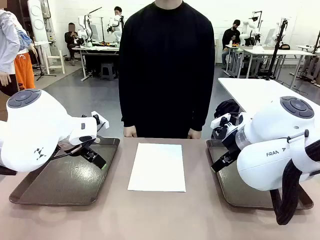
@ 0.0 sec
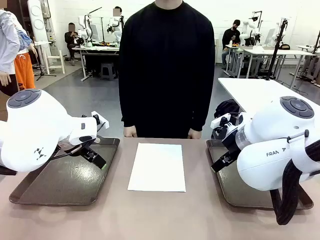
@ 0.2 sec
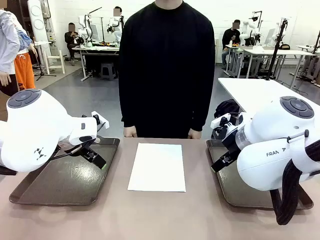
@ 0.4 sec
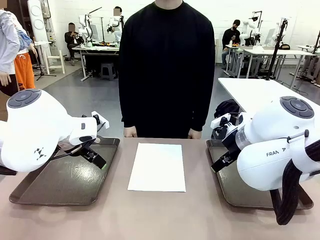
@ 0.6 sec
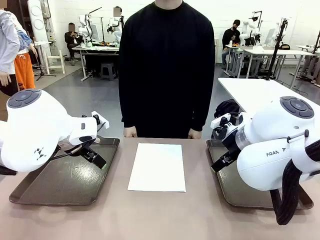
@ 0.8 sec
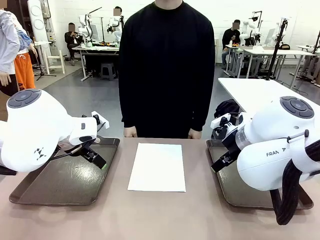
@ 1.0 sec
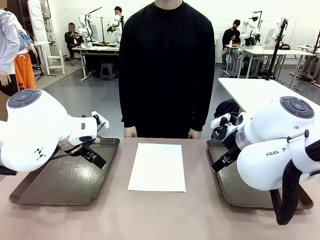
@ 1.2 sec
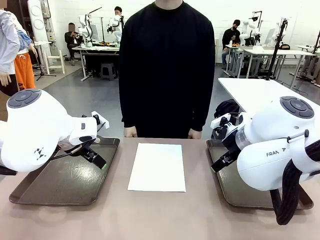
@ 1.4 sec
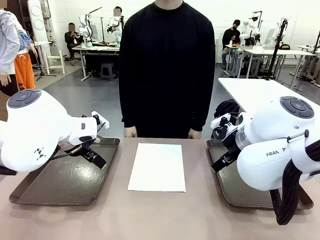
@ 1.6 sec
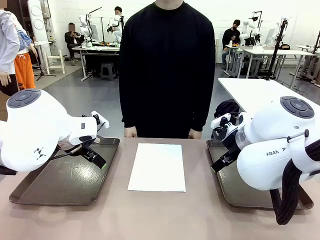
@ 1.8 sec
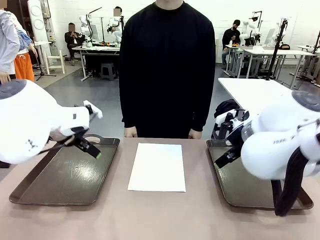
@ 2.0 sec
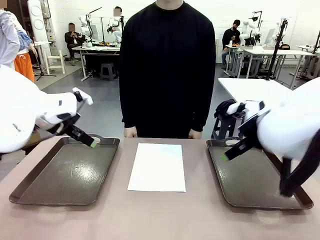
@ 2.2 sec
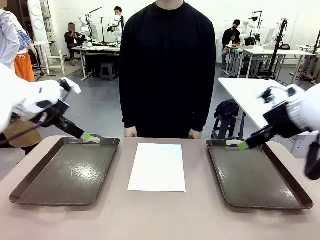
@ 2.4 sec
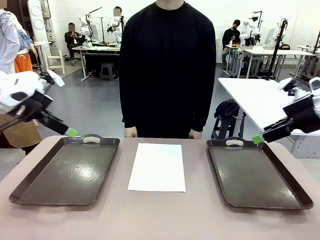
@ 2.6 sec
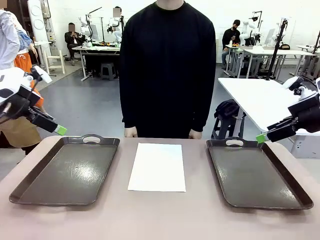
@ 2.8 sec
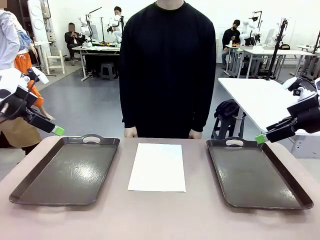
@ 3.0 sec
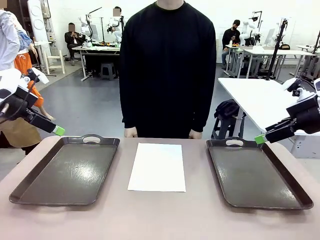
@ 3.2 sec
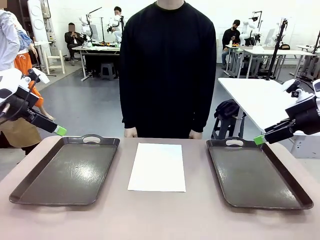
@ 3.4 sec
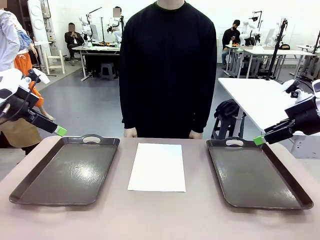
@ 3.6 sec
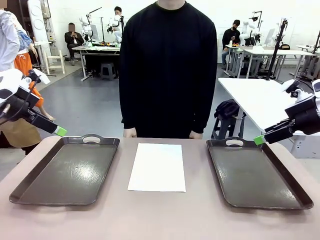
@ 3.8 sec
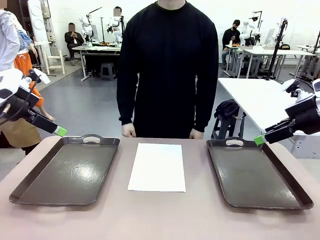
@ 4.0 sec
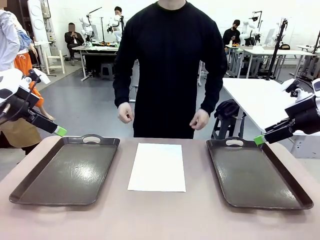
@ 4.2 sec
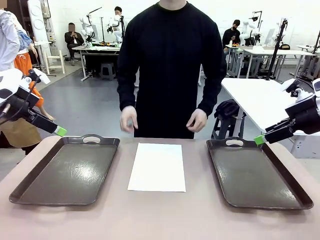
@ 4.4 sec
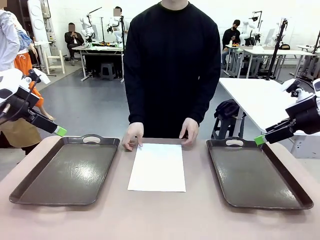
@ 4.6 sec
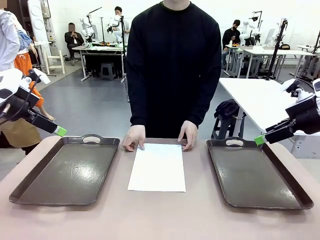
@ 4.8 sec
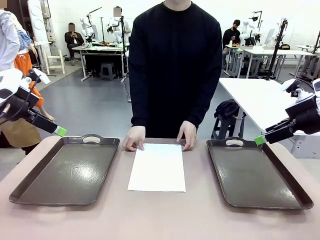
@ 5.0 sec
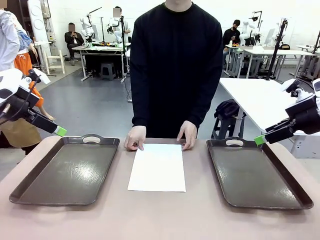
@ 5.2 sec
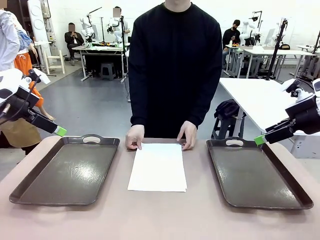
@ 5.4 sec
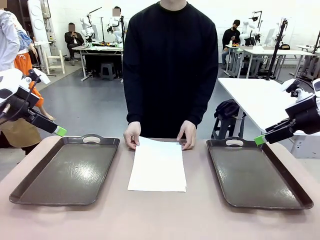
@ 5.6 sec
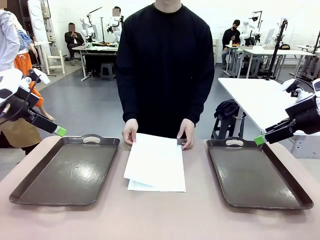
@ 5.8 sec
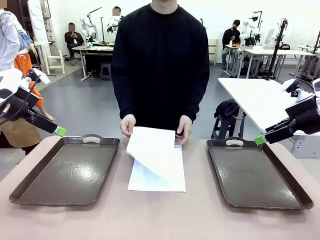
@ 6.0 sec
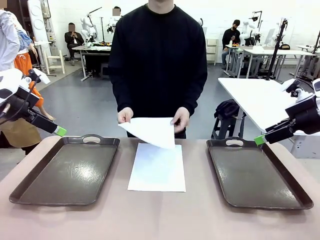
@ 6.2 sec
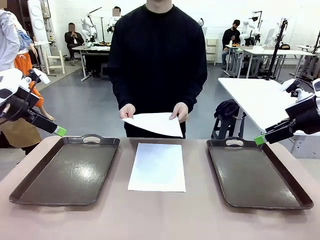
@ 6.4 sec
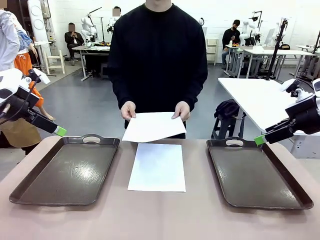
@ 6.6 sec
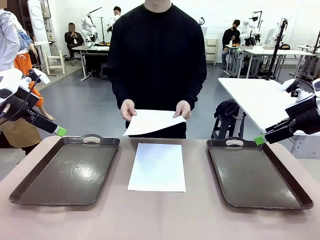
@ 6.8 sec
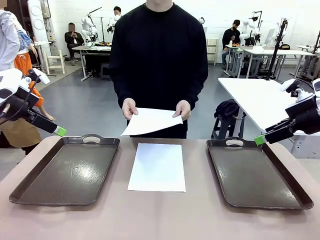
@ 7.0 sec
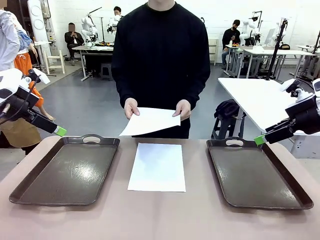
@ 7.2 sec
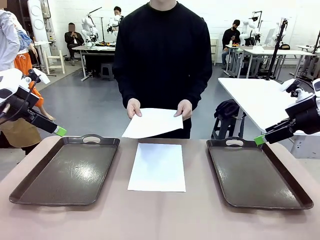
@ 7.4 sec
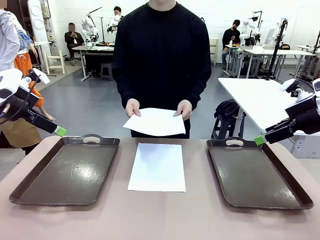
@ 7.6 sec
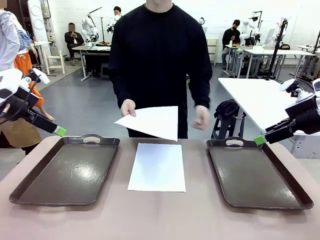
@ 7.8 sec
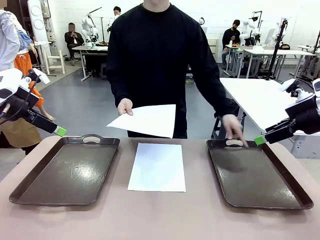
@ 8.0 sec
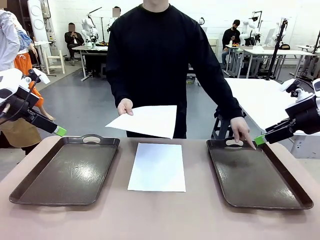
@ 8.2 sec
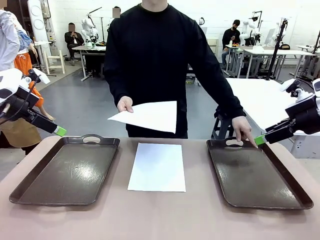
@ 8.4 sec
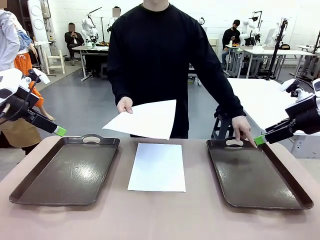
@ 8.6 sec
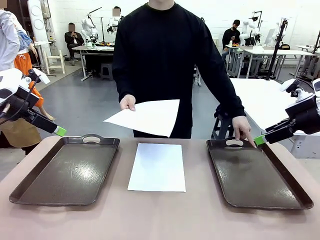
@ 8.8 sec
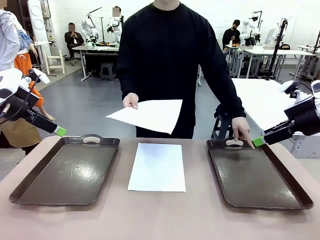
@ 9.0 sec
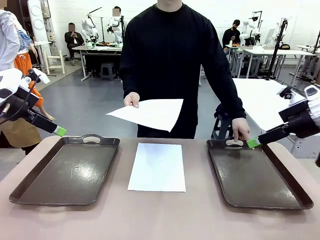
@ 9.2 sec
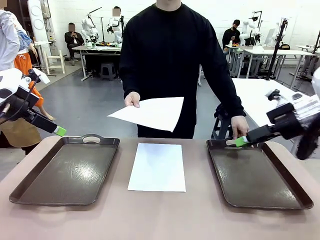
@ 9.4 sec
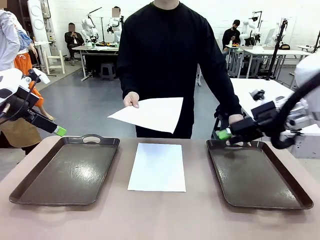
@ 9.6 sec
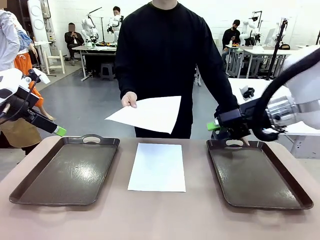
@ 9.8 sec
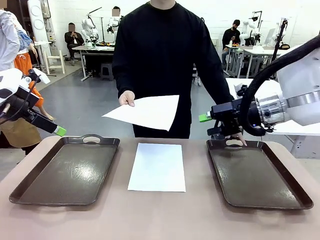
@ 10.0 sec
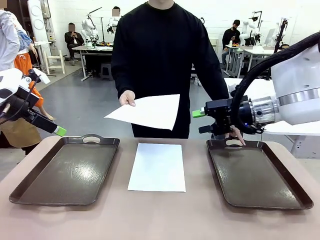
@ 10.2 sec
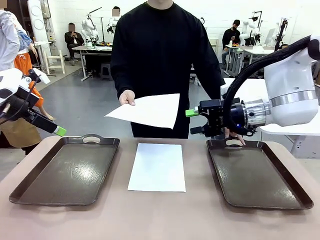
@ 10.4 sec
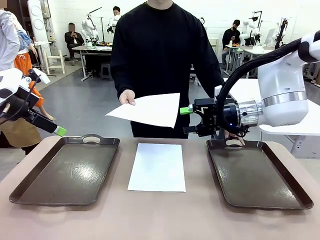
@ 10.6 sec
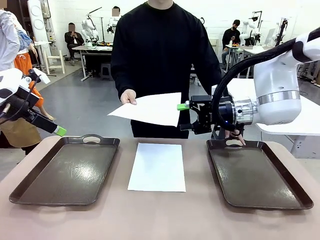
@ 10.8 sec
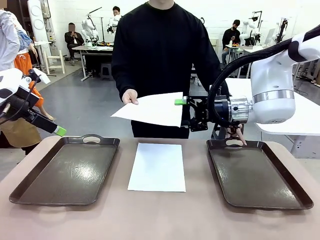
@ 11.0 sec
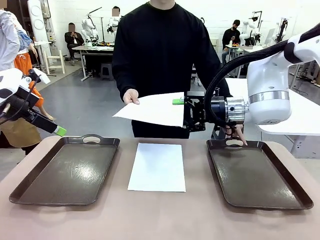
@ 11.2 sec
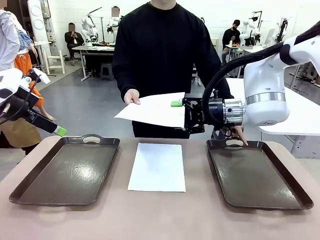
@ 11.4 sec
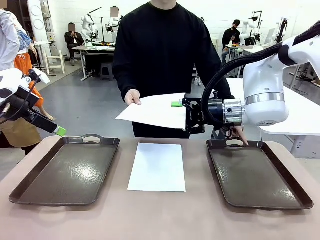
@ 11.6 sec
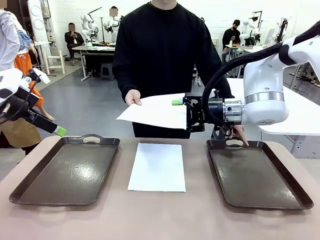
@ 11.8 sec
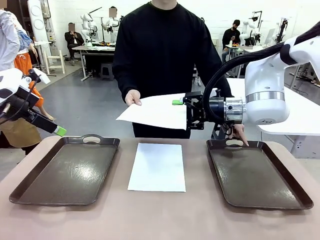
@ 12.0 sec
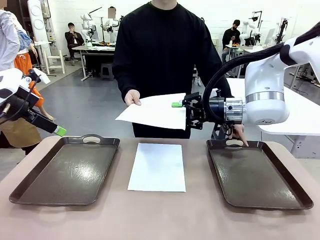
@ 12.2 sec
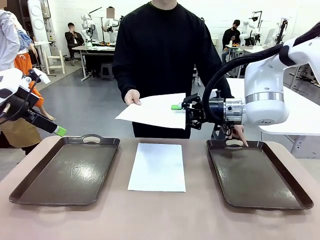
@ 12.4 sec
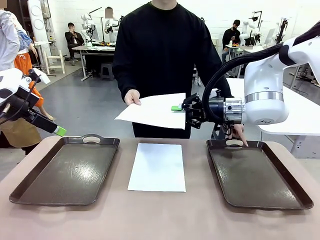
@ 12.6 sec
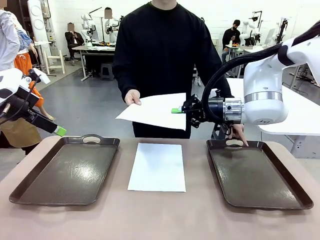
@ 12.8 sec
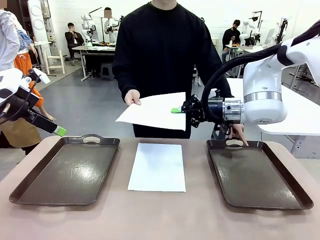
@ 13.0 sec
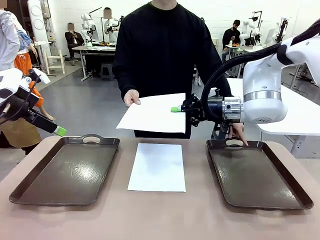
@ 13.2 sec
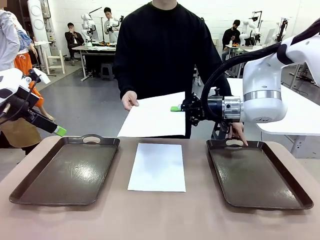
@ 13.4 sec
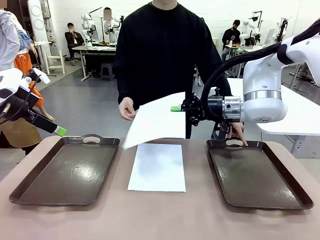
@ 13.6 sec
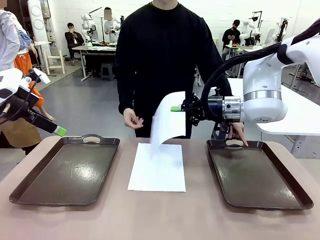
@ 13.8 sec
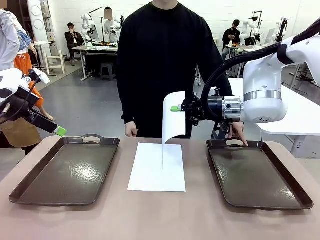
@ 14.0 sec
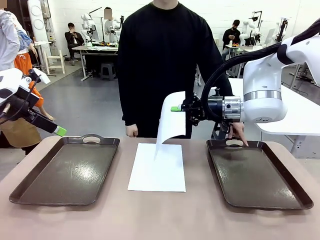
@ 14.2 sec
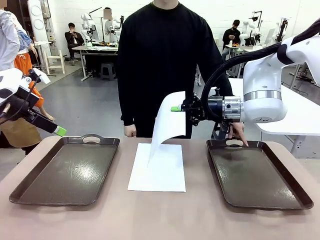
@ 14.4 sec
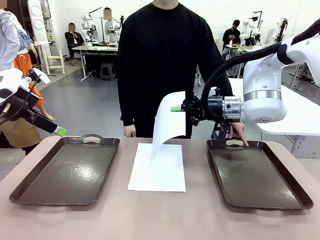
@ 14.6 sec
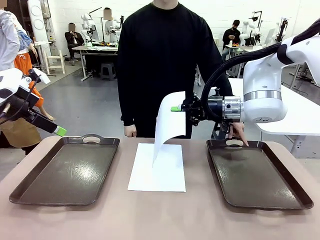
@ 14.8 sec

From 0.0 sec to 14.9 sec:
Task: Sort the A4 documents.
Robot: Receive the A4 Paper.
Person: Pick up a sheet of paper from the center of the table and hand it to the robot. Point the randomly selected tray with the other hand.

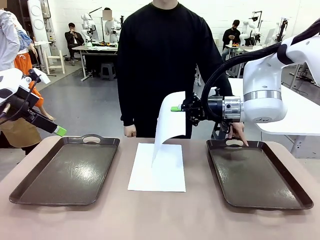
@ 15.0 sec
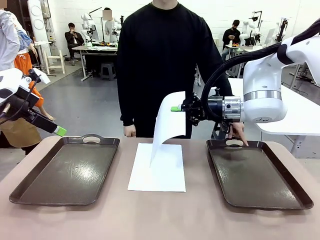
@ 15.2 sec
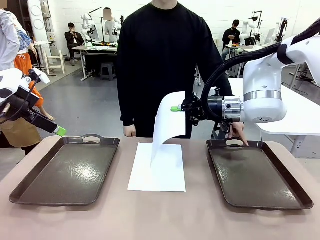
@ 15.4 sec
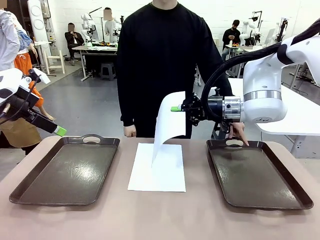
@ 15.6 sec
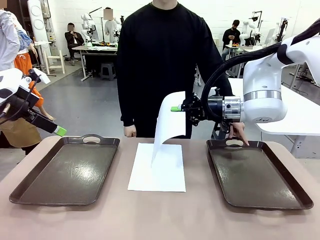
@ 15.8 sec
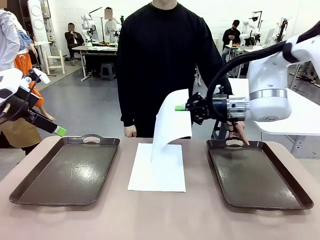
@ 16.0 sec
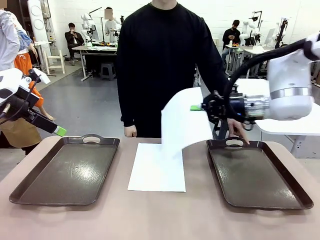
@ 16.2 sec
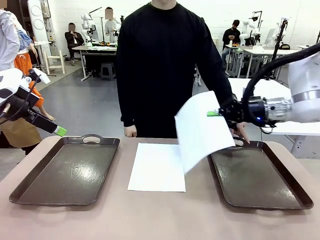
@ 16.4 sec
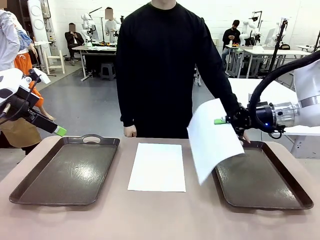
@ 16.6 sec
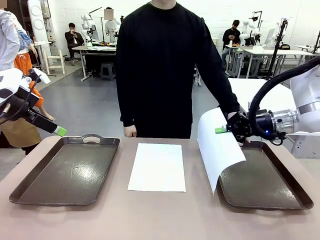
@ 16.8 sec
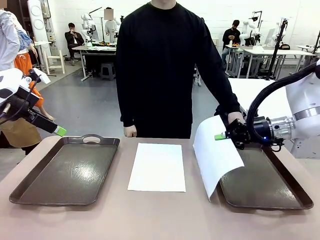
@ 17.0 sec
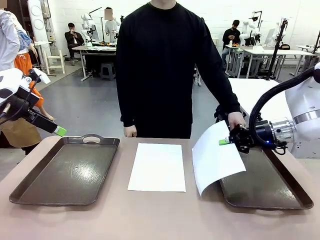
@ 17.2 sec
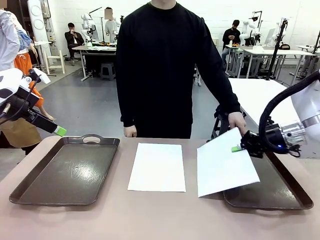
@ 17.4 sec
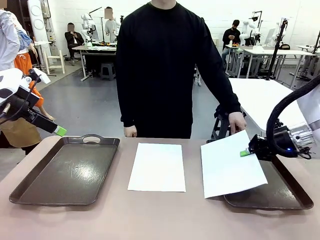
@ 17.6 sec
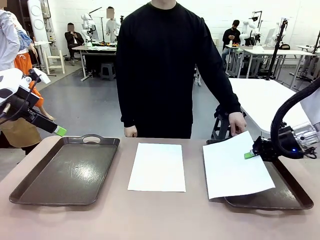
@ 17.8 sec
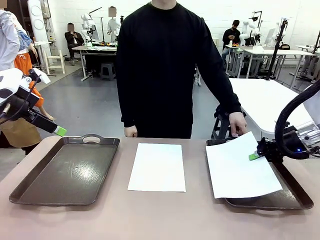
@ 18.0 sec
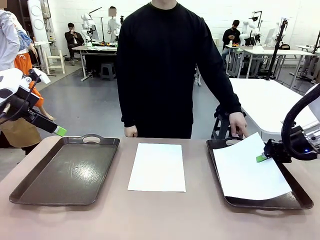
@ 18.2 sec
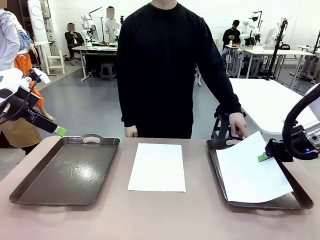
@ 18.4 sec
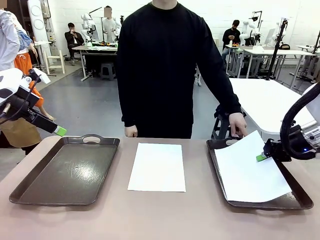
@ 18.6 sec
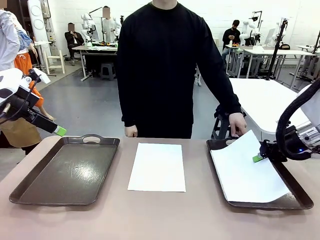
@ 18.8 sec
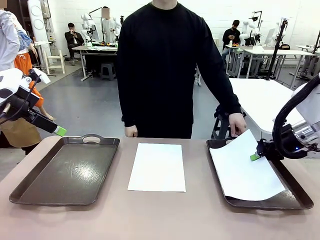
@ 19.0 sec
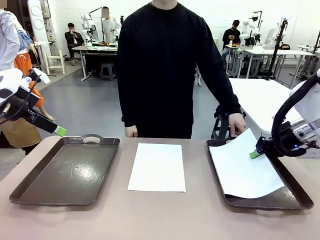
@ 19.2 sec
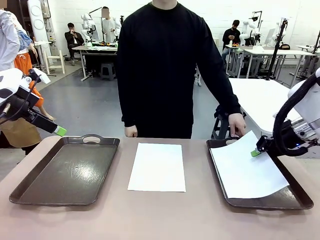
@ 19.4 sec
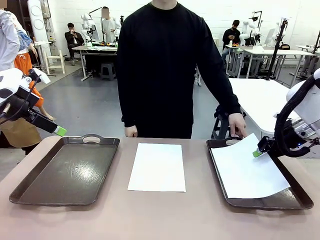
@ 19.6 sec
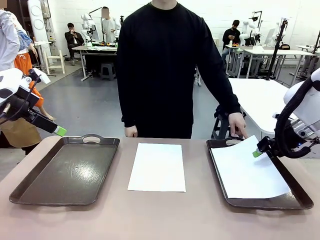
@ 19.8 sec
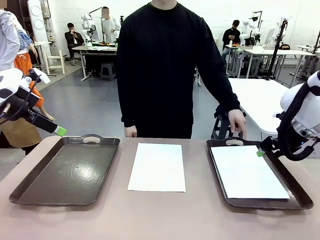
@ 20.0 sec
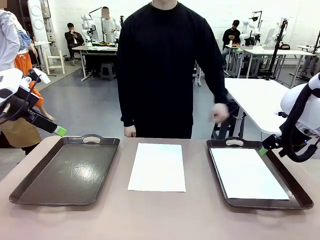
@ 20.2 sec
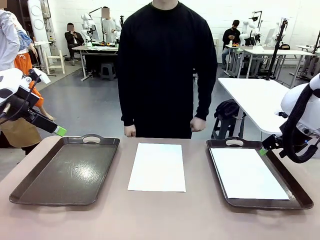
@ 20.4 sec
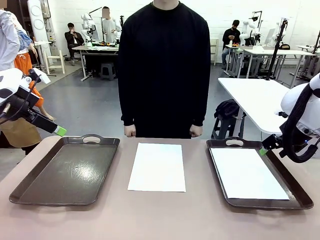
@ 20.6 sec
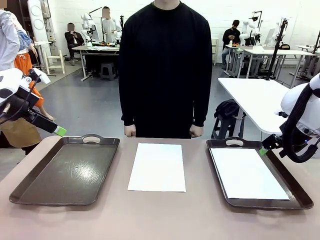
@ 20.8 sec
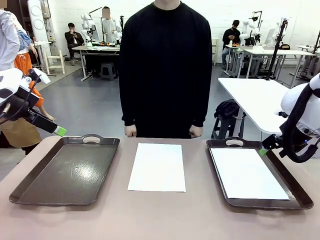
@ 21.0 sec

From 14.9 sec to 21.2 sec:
Robot: Place the A4 Paper in the designated Handle tray.
